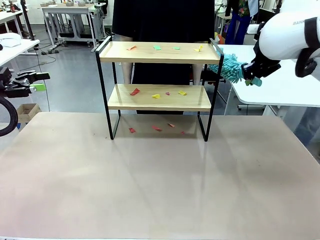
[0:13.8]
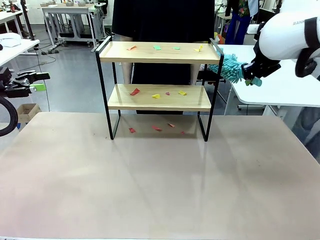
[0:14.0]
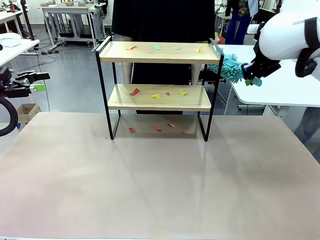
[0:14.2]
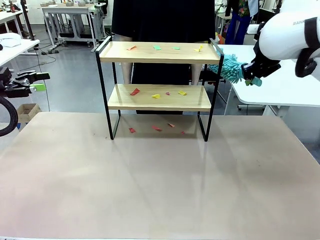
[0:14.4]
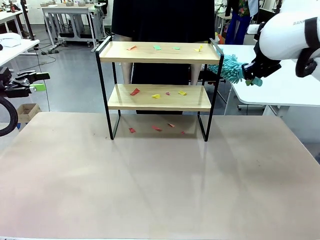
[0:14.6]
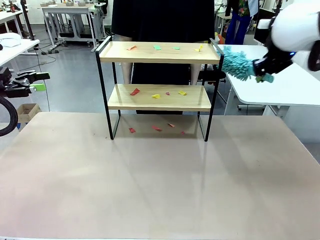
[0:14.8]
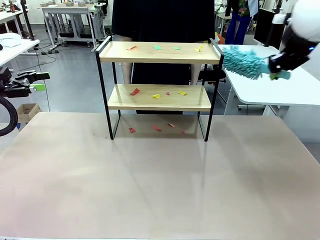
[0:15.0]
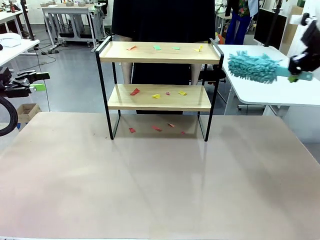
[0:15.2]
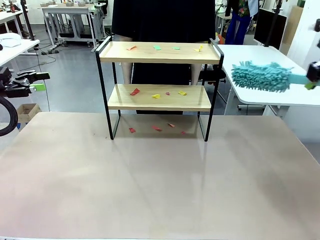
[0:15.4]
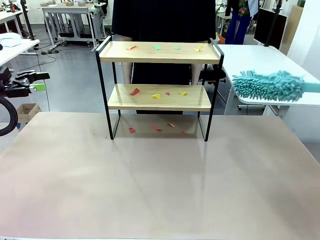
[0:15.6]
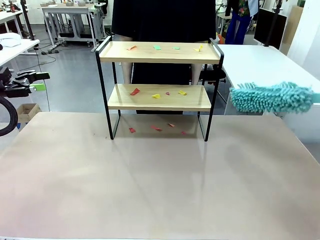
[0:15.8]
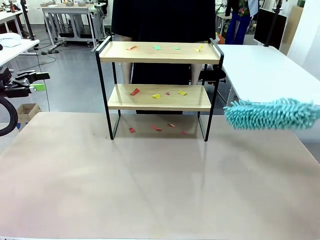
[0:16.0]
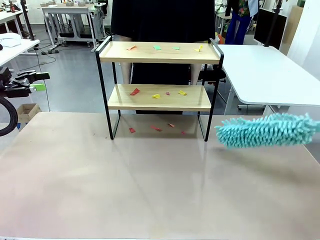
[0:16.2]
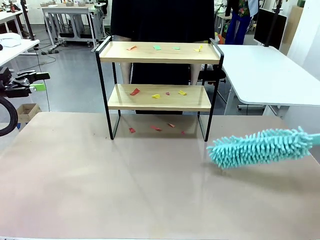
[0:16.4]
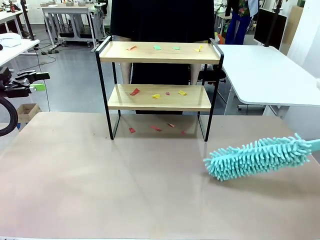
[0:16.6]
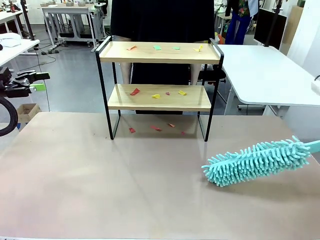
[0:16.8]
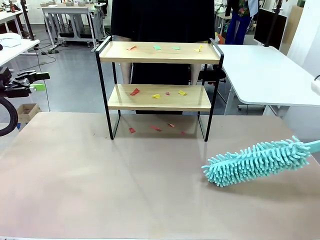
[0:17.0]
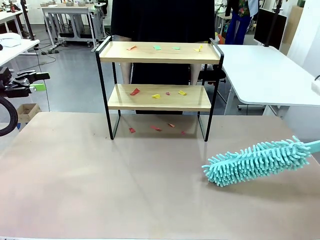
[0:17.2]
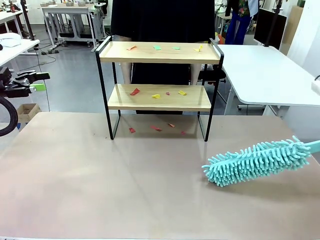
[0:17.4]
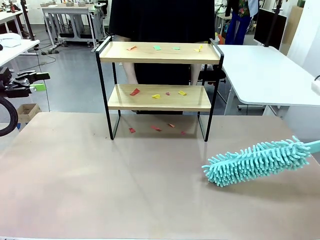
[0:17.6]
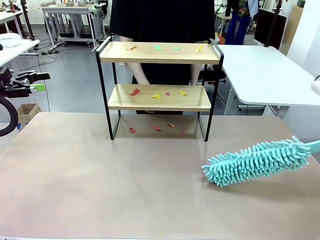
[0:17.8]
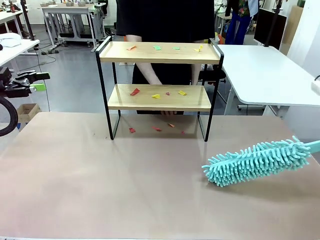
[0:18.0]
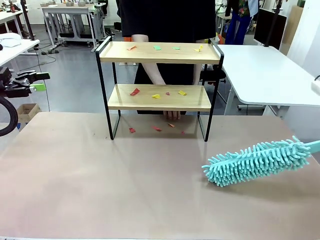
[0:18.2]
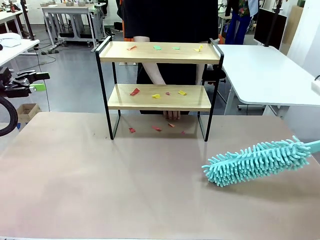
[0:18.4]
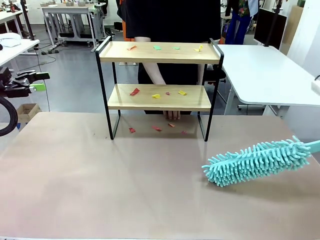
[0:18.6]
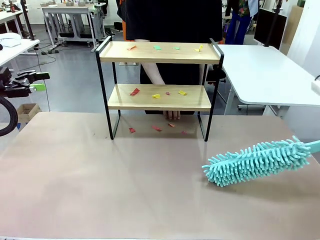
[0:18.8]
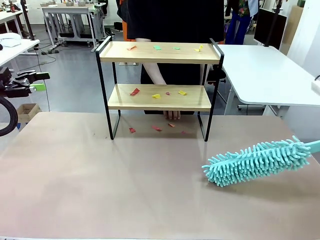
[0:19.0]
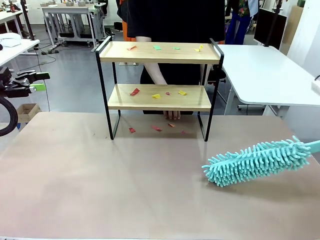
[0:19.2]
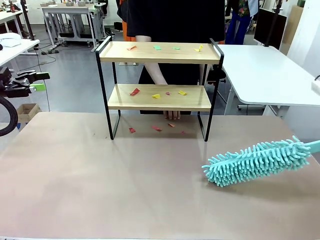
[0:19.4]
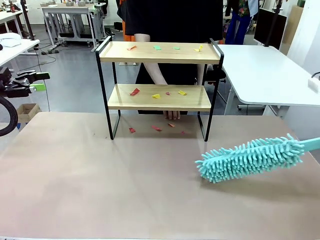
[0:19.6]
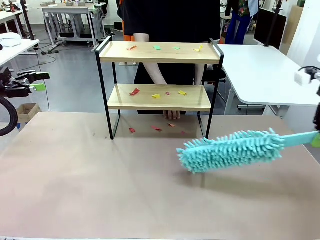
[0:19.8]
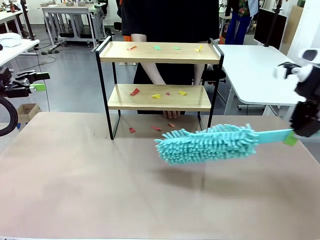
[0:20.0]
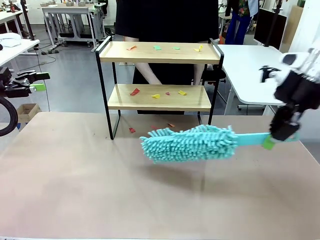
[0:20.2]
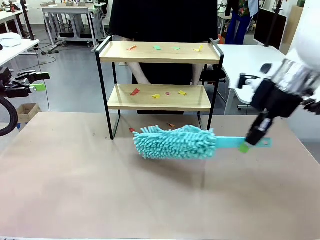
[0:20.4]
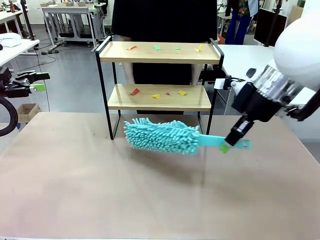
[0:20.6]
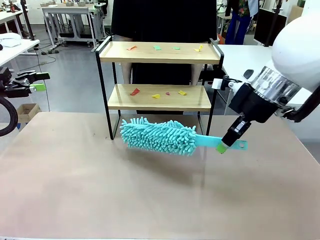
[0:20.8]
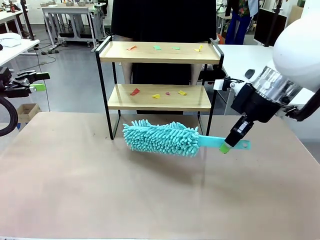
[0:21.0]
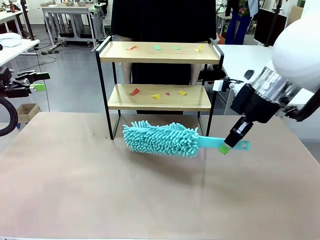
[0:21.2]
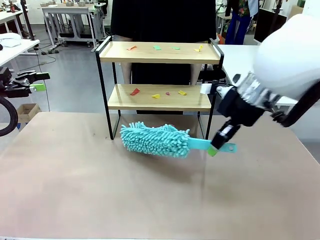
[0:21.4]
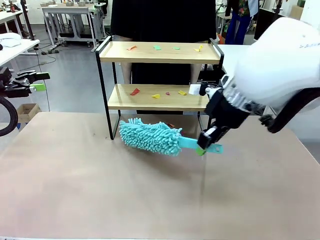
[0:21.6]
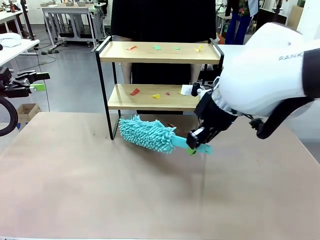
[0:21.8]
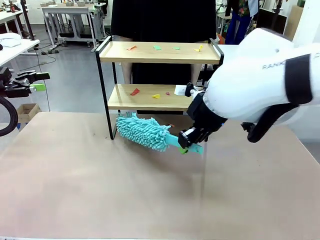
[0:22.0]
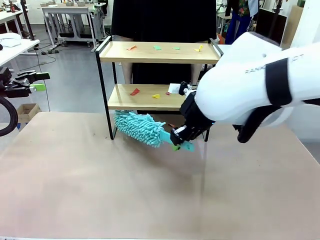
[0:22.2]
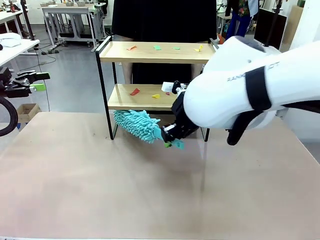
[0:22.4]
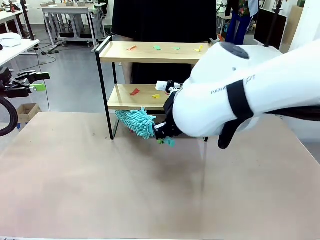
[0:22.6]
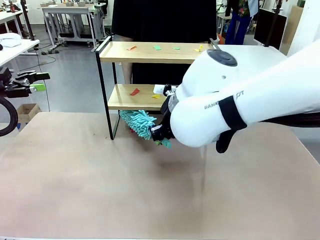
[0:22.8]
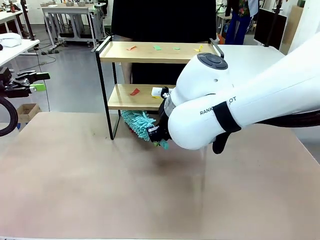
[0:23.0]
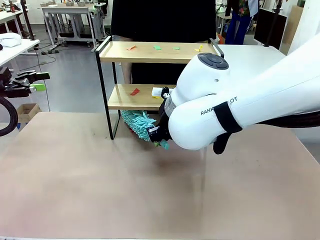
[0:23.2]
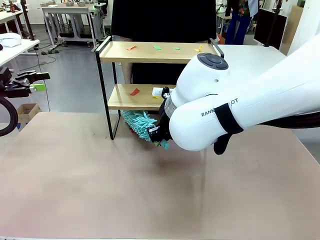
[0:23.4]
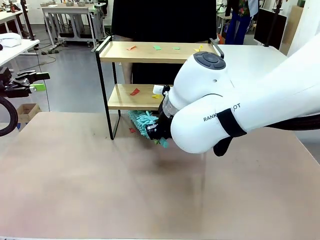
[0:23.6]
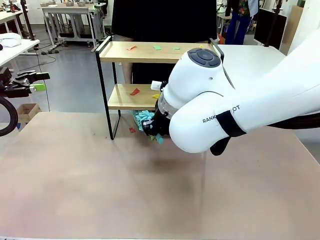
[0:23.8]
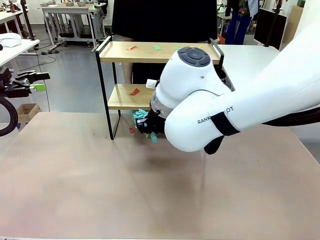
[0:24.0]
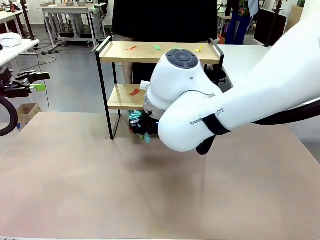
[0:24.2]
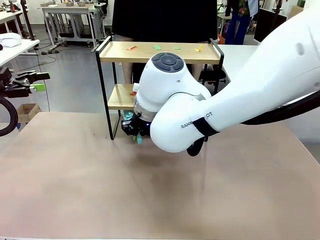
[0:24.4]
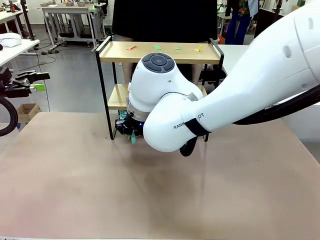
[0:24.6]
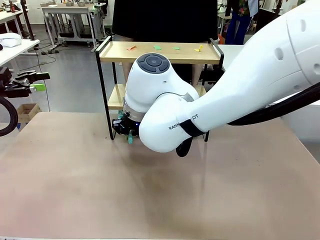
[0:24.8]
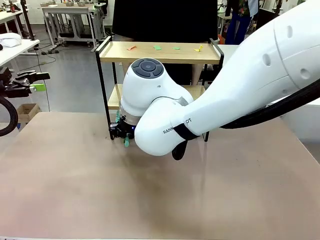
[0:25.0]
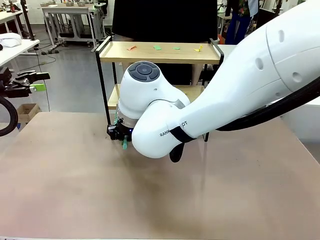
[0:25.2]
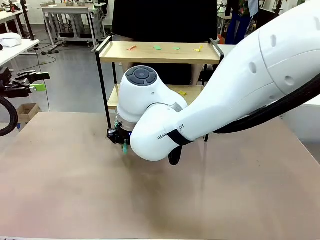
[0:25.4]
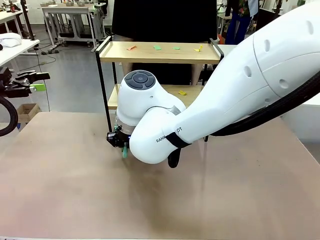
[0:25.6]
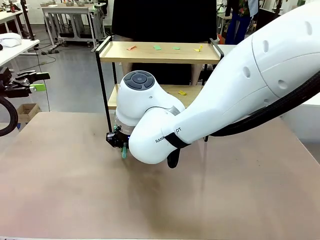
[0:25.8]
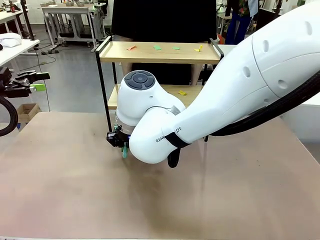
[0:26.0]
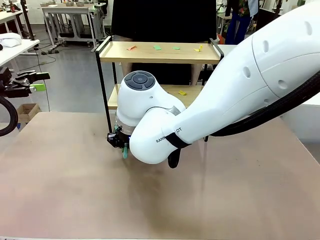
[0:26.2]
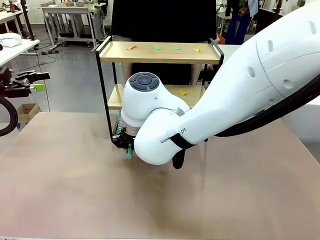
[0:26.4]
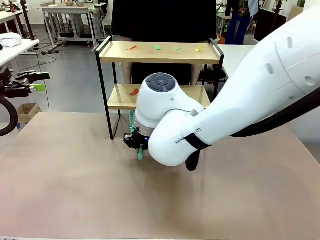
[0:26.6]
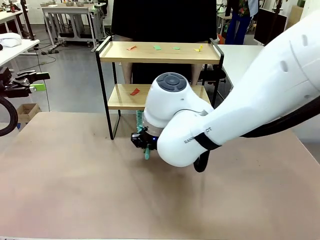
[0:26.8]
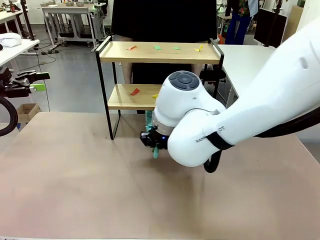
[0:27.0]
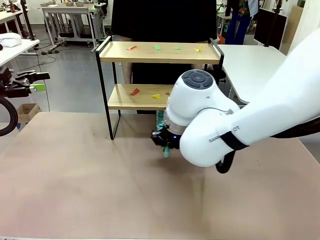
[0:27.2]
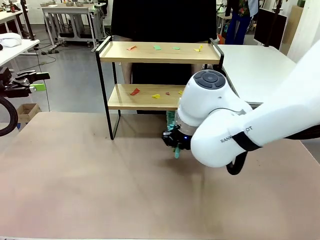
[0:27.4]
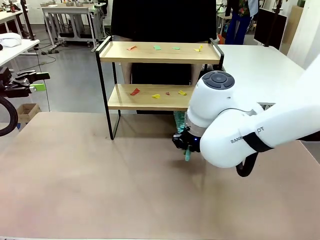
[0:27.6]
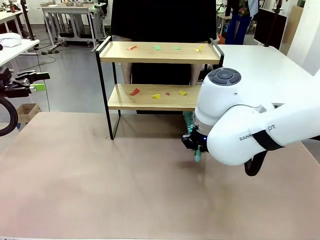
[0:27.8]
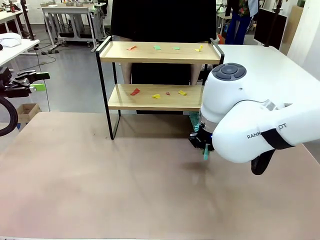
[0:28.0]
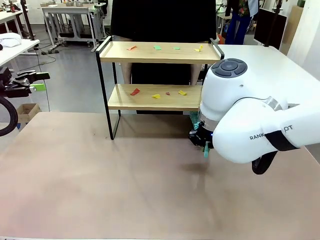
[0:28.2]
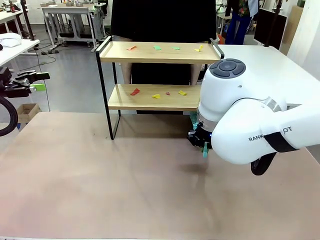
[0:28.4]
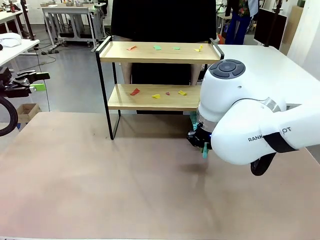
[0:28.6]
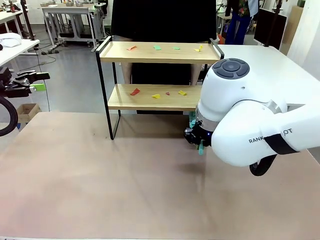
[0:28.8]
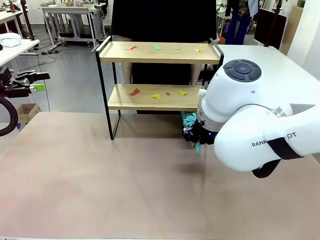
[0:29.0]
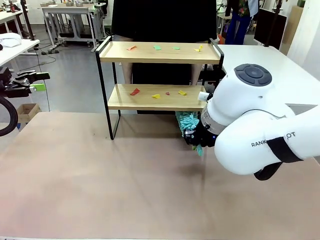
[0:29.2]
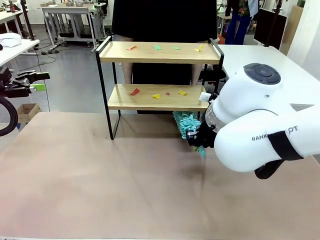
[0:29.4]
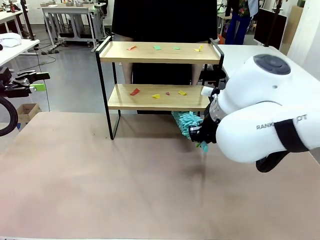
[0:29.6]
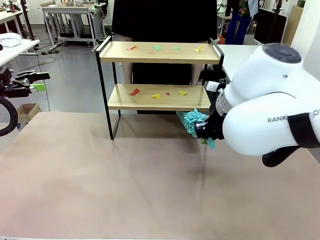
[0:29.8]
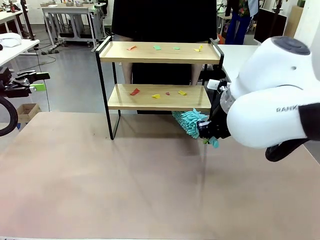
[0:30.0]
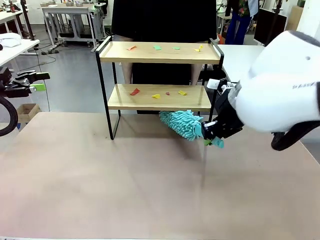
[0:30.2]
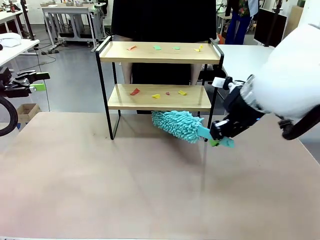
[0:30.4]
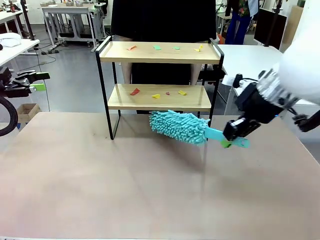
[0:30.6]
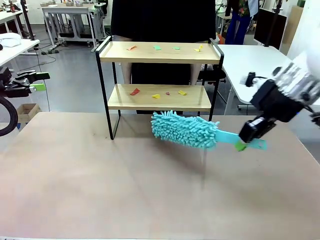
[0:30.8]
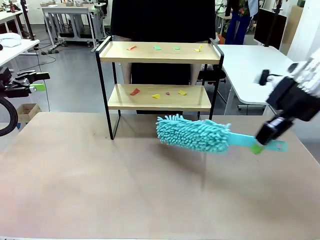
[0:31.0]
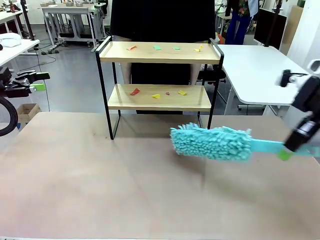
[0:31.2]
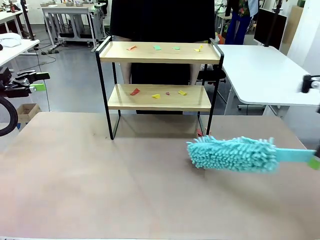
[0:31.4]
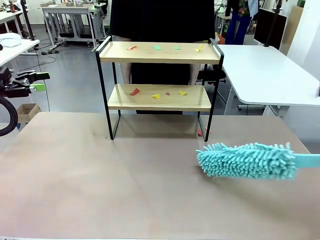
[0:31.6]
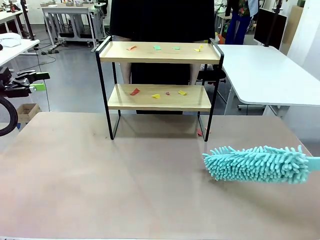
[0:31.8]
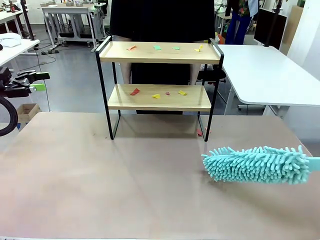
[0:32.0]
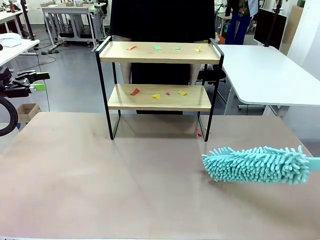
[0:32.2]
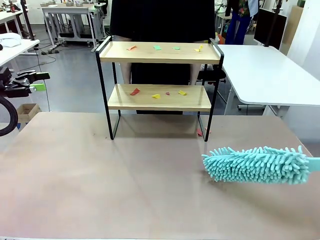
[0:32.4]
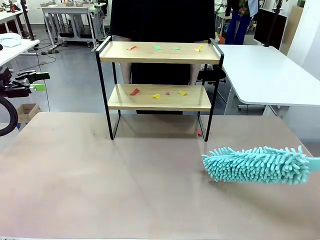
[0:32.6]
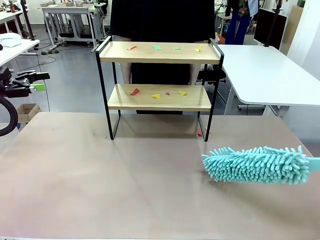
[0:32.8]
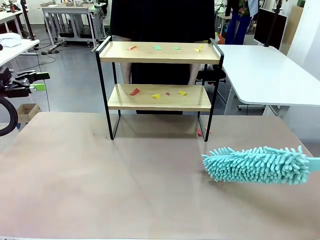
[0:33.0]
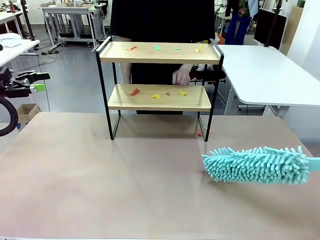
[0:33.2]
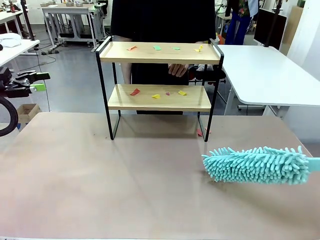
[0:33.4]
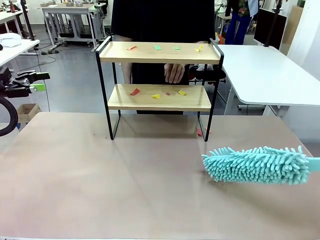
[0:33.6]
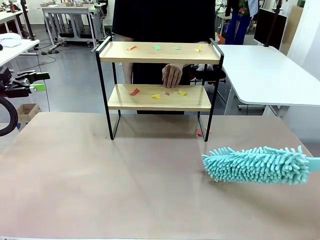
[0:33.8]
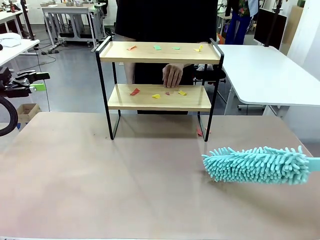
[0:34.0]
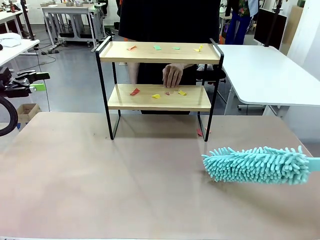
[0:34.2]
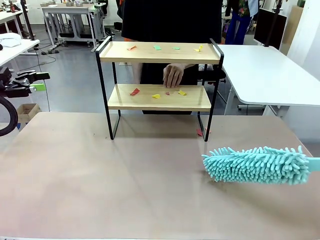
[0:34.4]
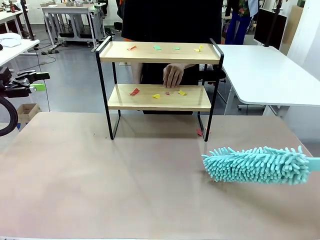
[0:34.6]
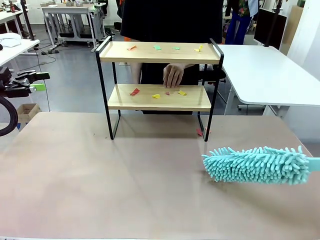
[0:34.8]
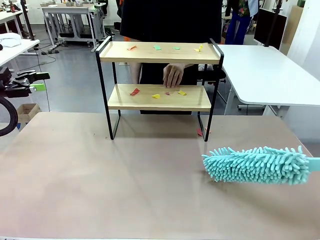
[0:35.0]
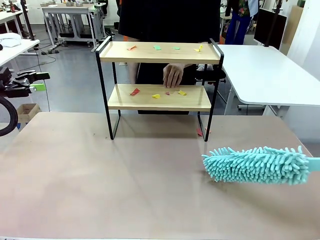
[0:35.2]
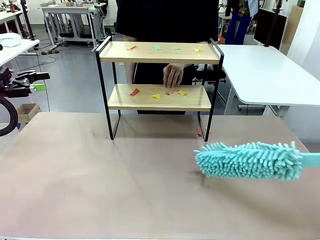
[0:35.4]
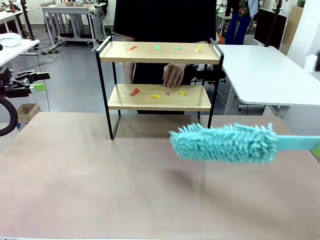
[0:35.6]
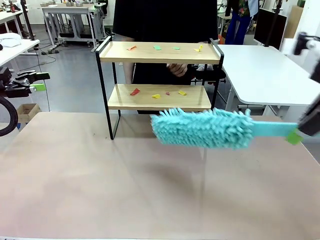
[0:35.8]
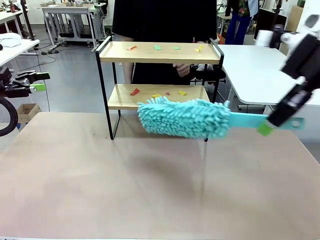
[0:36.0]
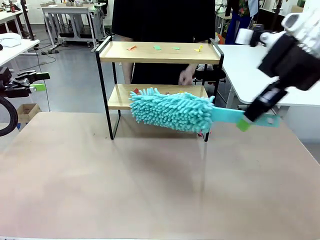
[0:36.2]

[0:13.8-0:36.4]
Task: Clean the shelf.
Robot: Clean the specific section of the Shelf indicated by the human with the Duster.
Person: Point a random section of the Shelf.
